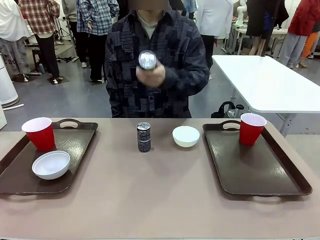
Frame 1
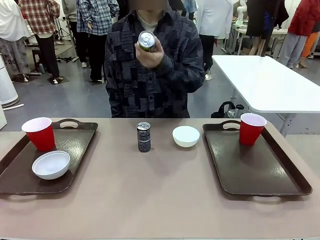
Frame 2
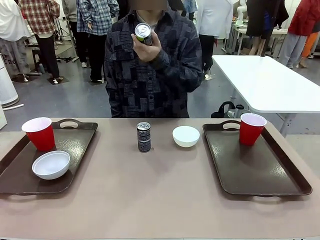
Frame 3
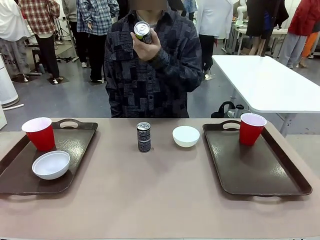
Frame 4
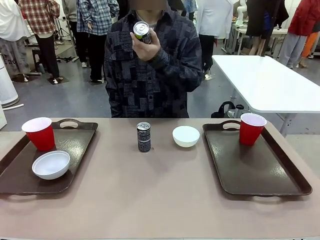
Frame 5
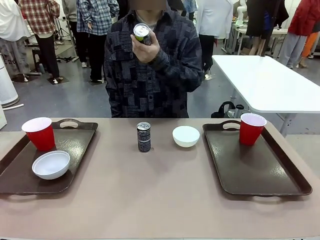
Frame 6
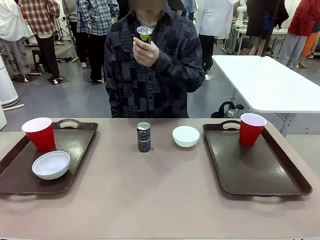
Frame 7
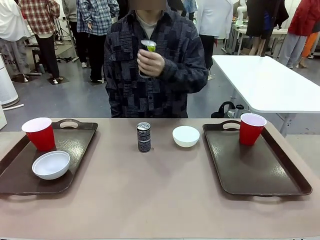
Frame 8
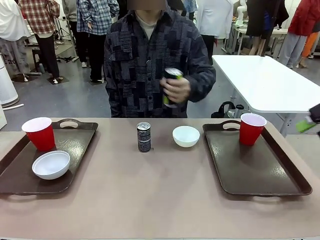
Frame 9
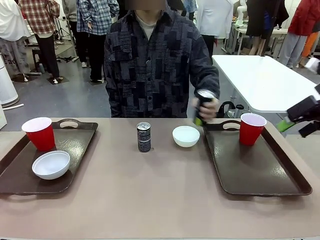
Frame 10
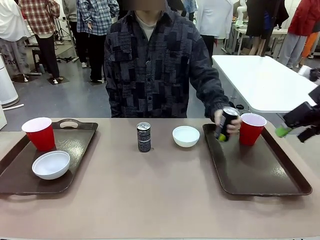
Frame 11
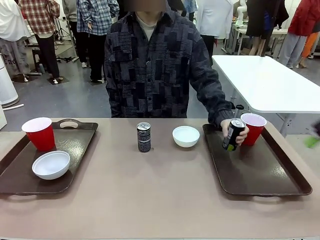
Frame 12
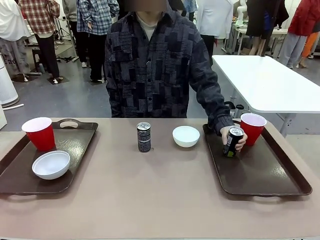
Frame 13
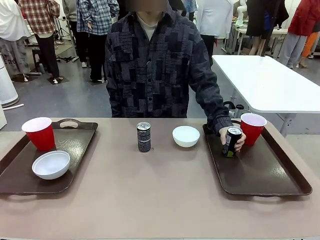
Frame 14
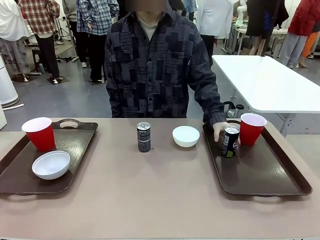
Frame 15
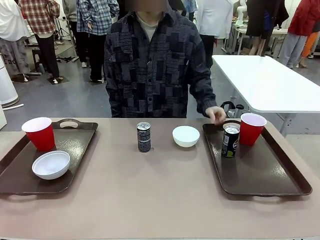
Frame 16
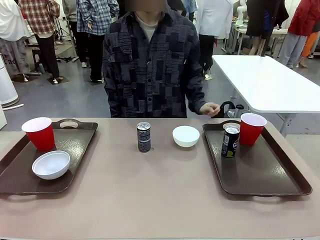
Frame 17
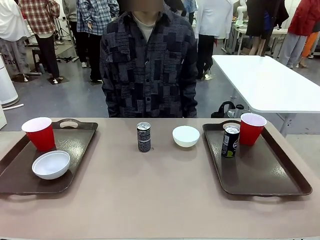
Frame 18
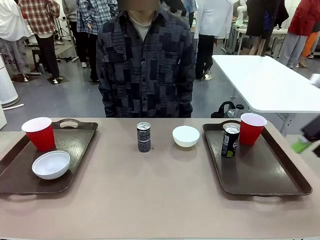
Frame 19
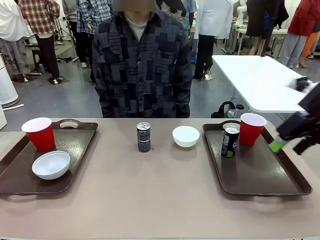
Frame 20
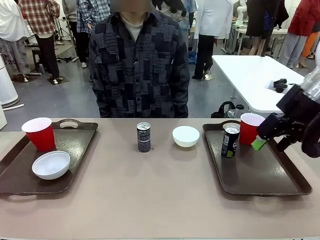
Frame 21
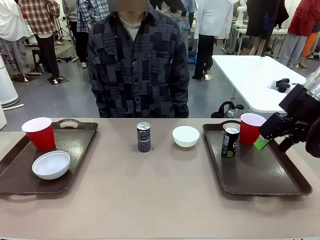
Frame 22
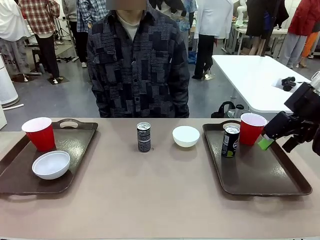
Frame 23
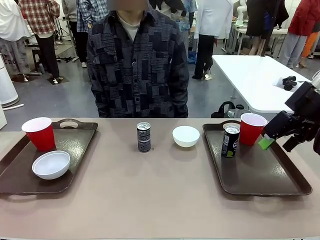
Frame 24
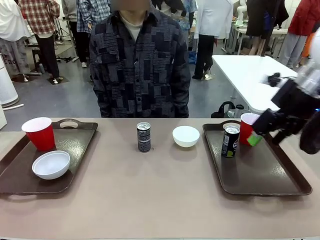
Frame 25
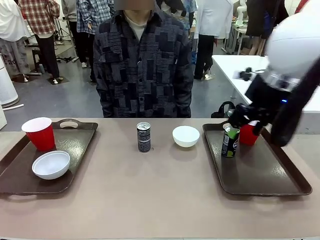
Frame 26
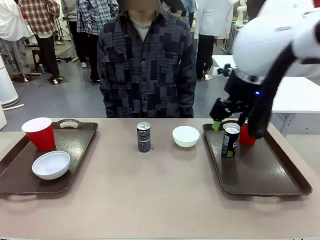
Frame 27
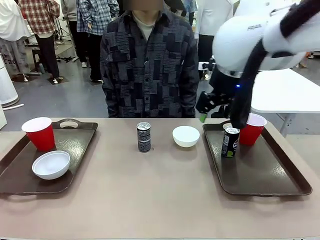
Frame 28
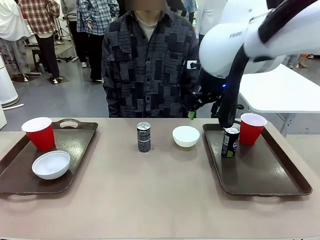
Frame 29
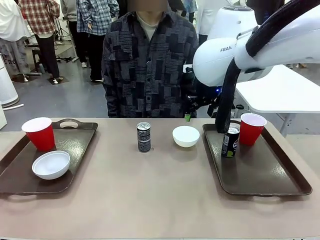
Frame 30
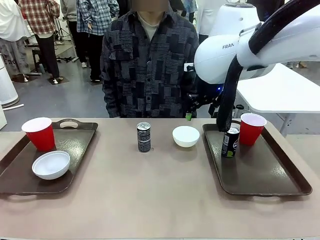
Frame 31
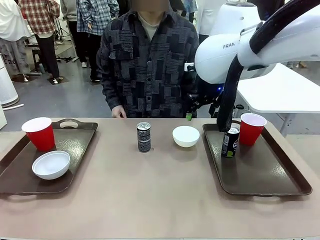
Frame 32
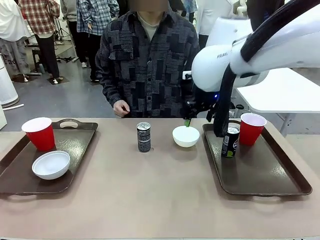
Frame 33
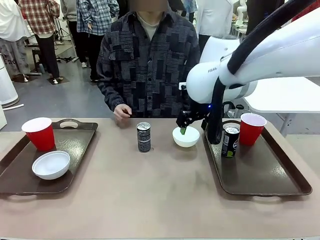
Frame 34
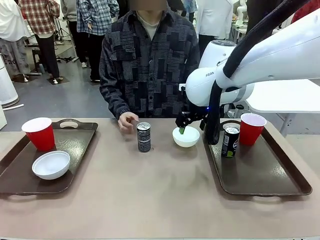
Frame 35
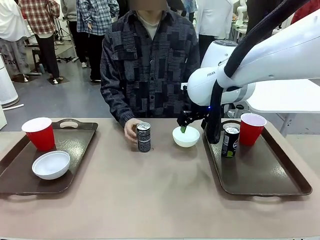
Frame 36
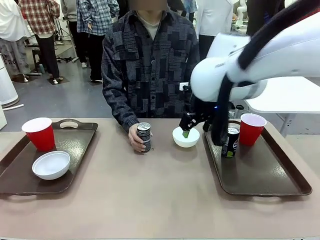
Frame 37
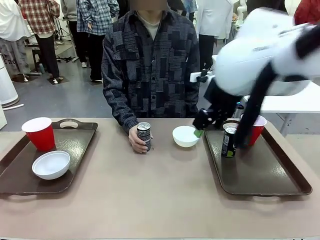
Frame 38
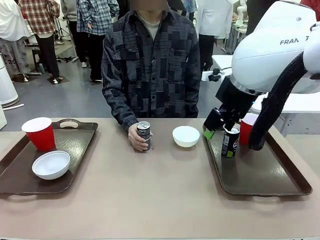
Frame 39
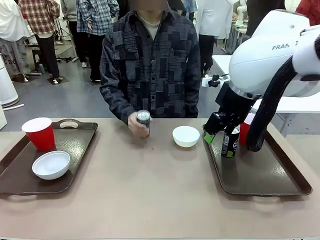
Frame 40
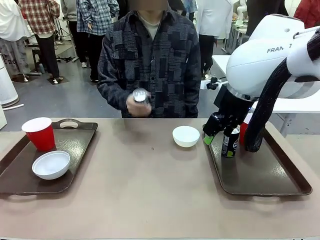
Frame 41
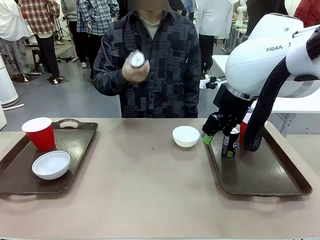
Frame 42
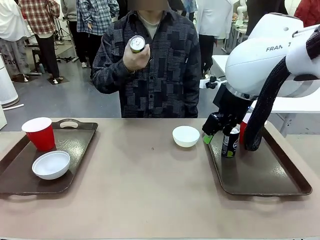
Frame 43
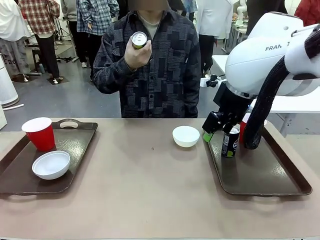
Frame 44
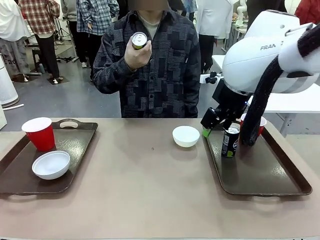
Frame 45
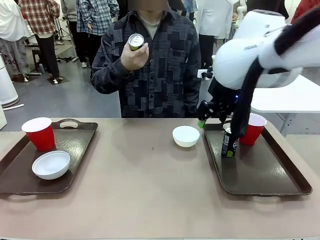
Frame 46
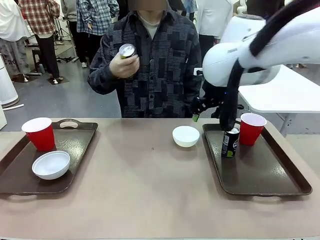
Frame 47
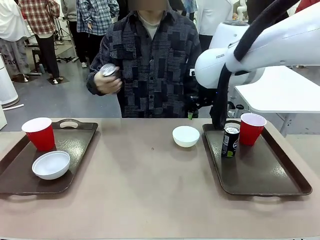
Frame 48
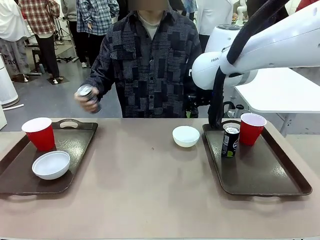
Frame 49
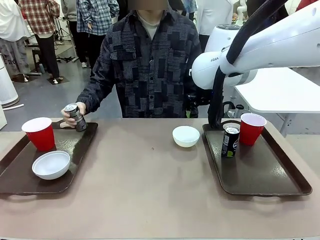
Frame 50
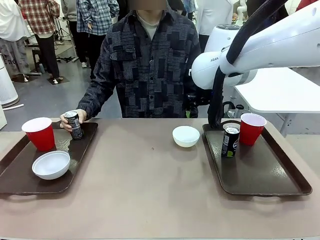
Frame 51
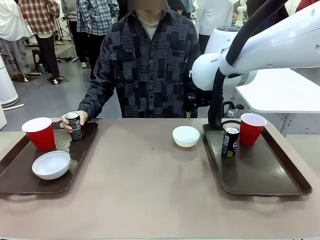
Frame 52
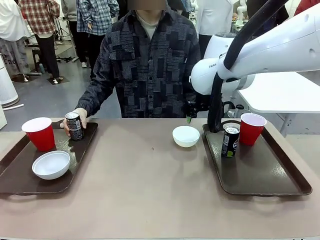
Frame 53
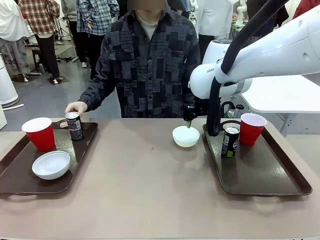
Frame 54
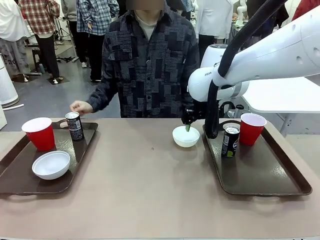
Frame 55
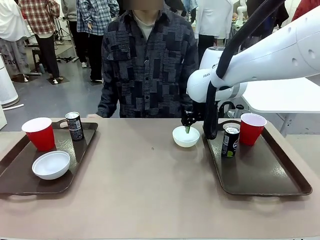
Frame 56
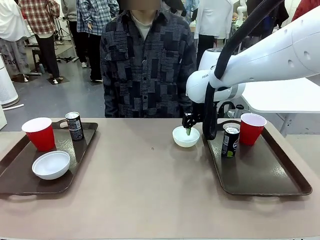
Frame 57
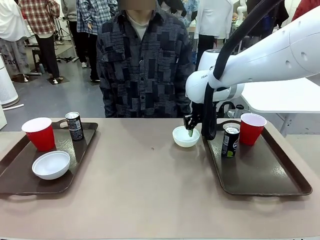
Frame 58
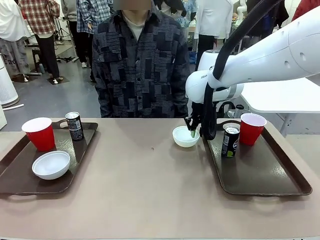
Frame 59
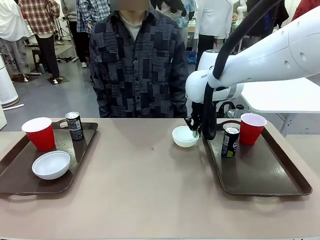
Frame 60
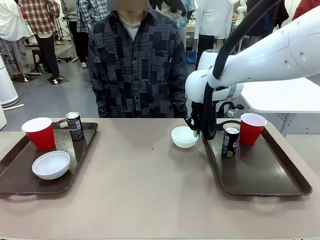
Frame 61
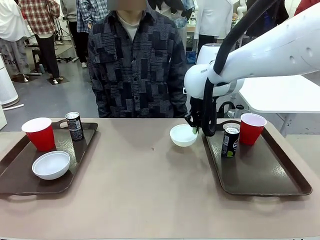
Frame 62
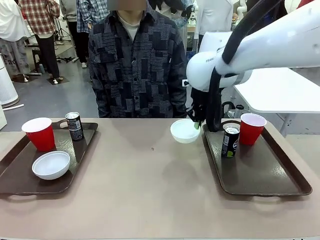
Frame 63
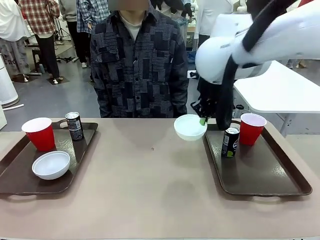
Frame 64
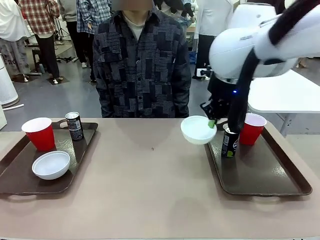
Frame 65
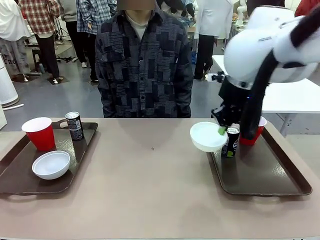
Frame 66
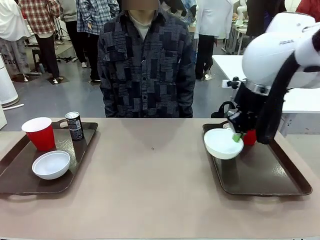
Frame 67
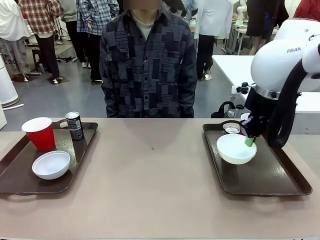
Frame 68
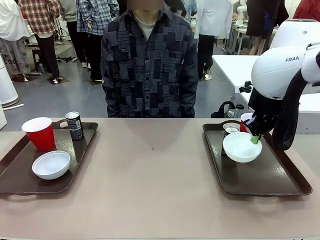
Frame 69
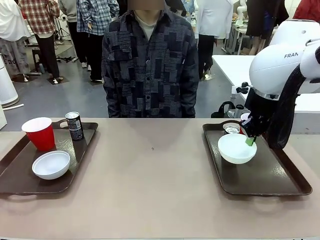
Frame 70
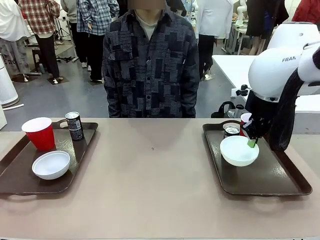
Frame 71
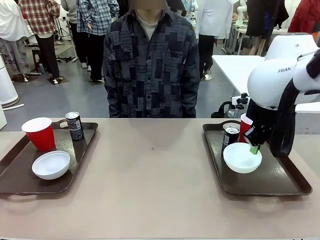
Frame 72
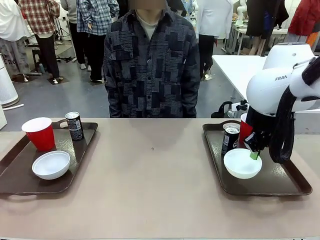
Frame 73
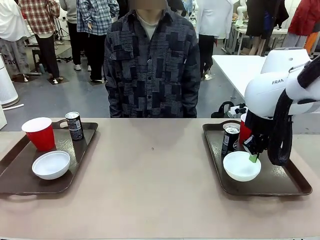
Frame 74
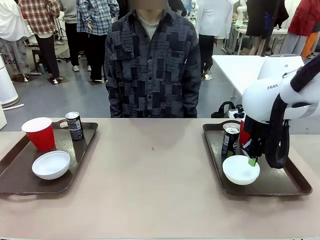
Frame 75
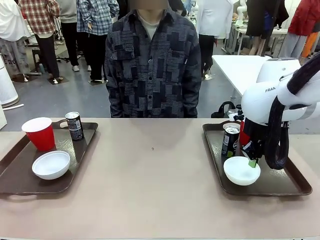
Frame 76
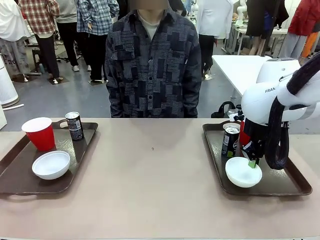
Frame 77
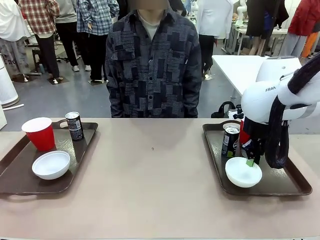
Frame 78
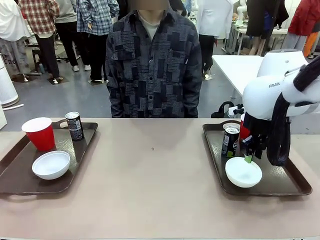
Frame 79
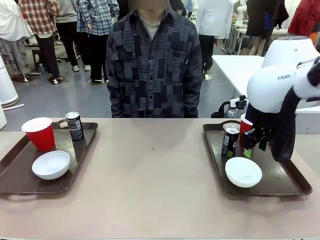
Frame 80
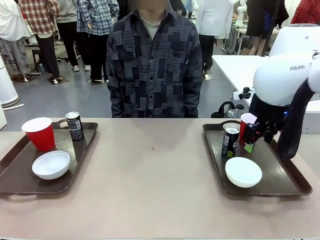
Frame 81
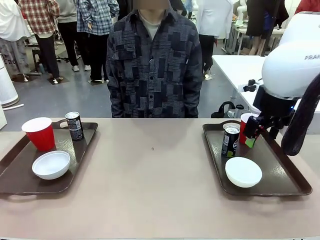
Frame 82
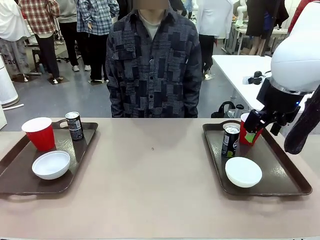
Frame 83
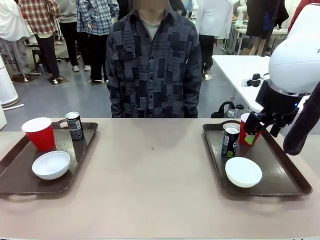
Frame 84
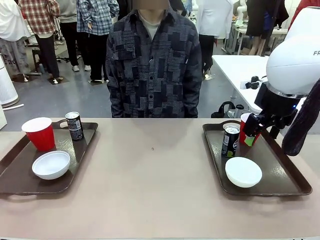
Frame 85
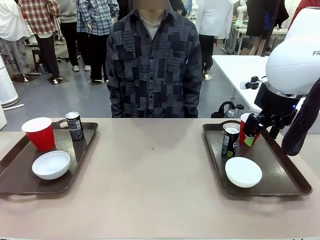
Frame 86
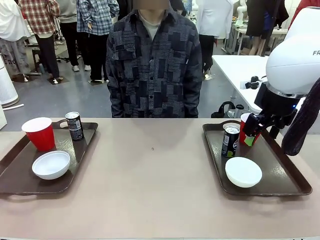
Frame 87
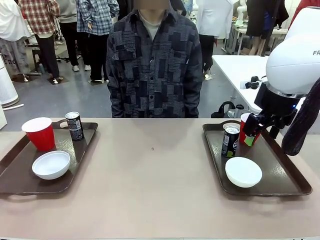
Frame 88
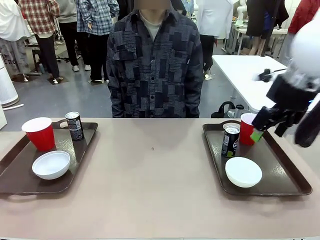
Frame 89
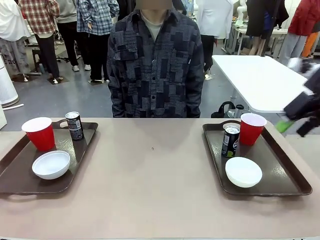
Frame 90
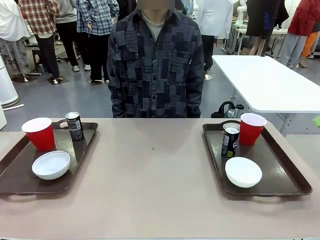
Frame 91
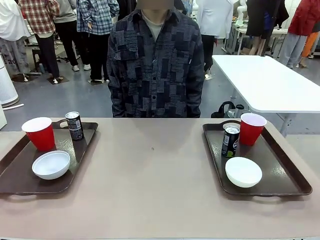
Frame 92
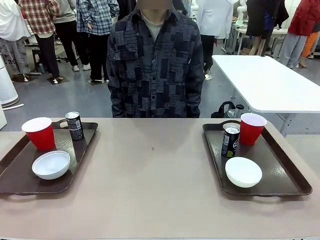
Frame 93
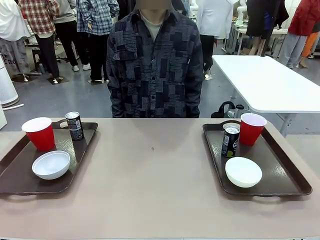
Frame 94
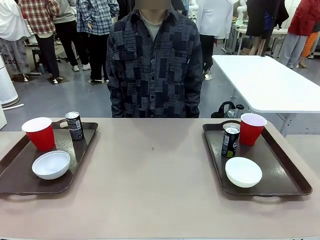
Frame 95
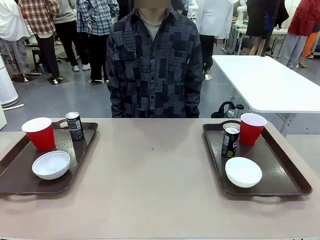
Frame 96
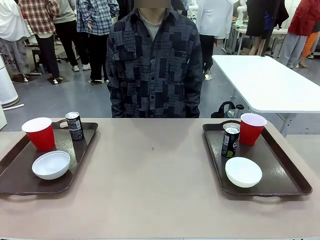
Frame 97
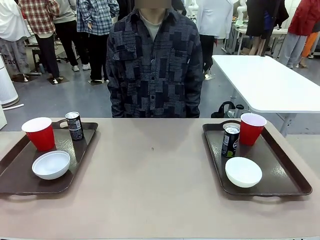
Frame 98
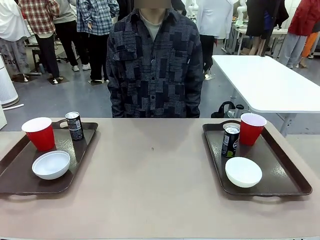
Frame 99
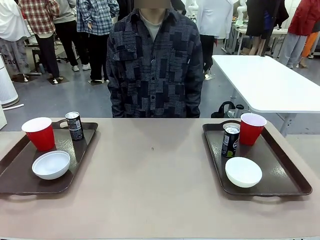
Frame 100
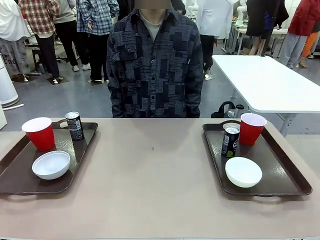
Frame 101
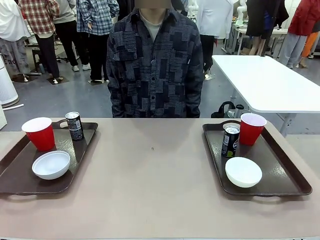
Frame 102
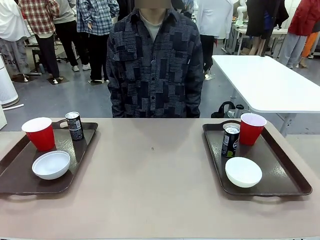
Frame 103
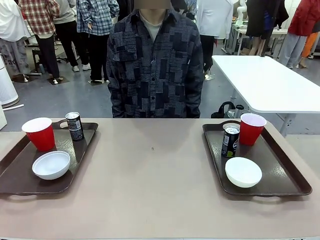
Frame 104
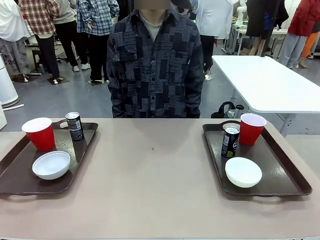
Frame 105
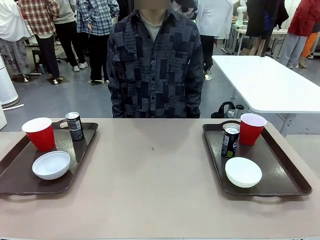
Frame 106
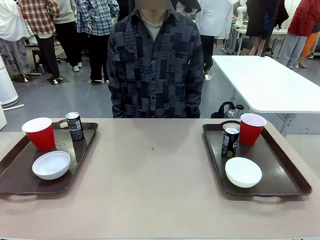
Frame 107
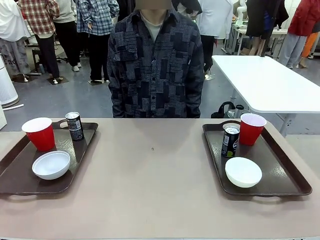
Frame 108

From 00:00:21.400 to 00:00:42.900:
Task: Prepare tableware on both trays.
Robot: Pick up a Picnic Bowl from the table and place it on a Handle tray.
Person: Pick up a can or cup and place it on the tray without a can or cup.
